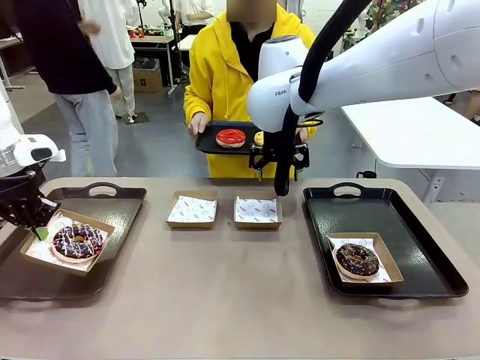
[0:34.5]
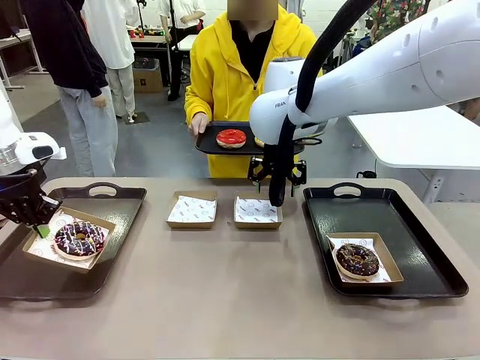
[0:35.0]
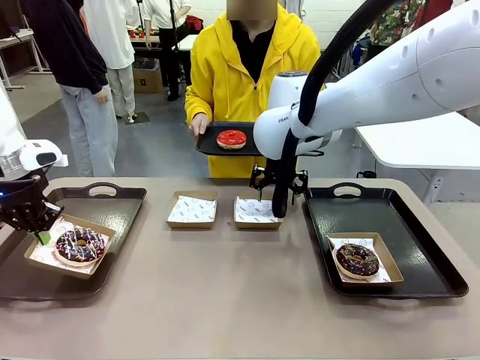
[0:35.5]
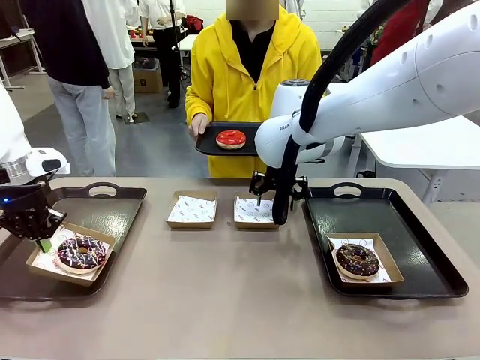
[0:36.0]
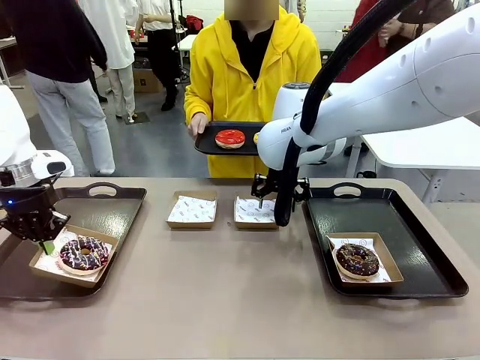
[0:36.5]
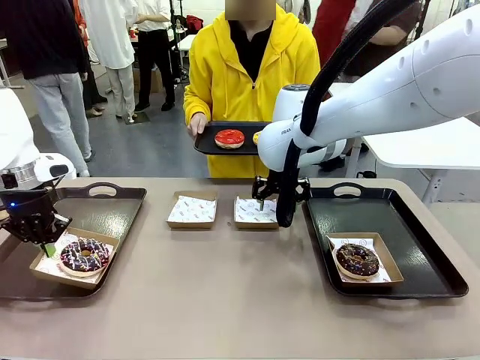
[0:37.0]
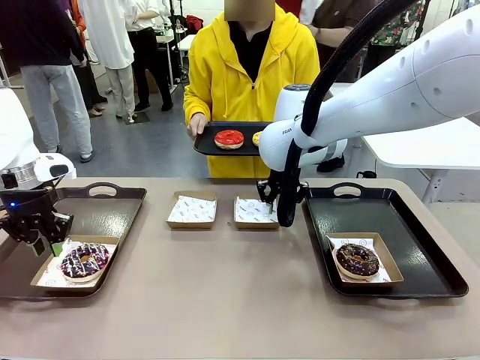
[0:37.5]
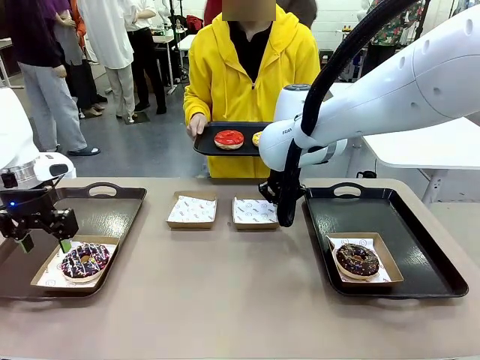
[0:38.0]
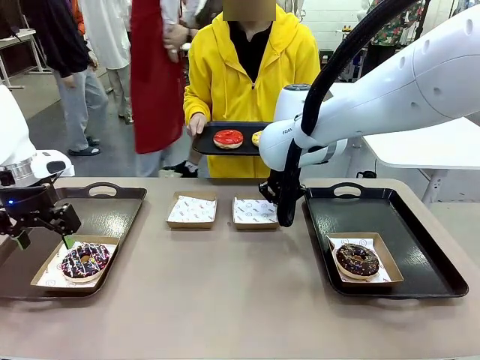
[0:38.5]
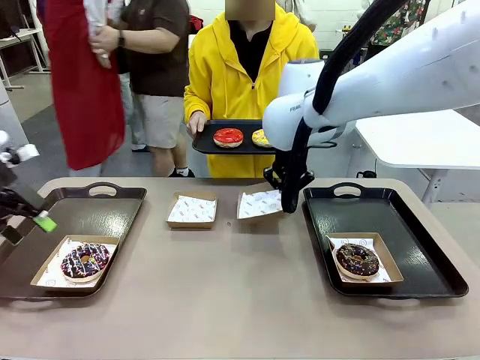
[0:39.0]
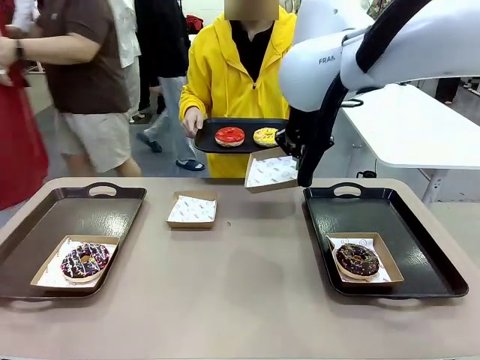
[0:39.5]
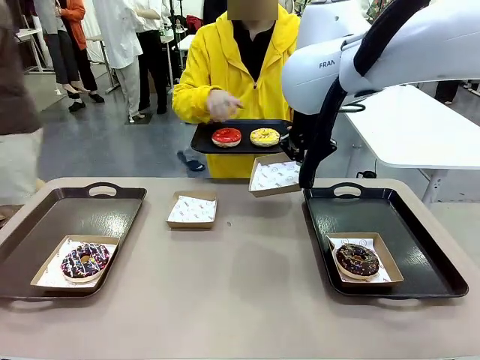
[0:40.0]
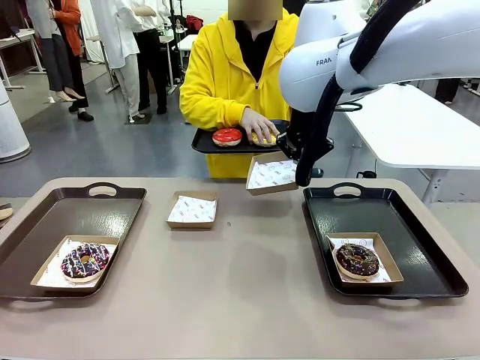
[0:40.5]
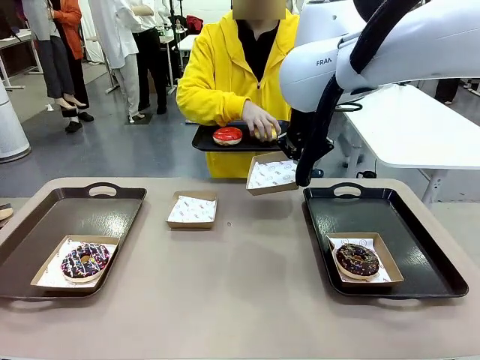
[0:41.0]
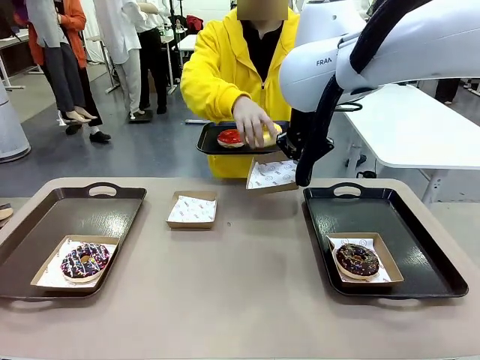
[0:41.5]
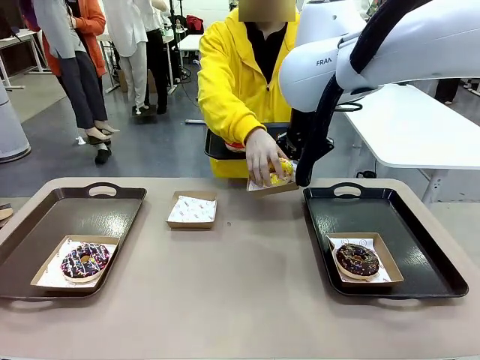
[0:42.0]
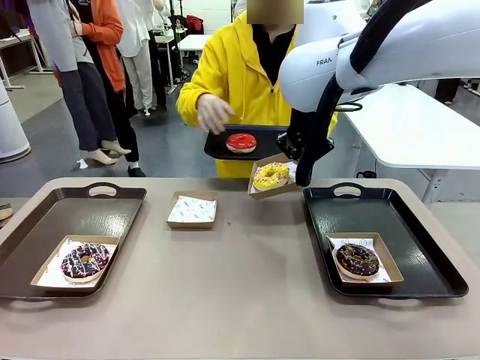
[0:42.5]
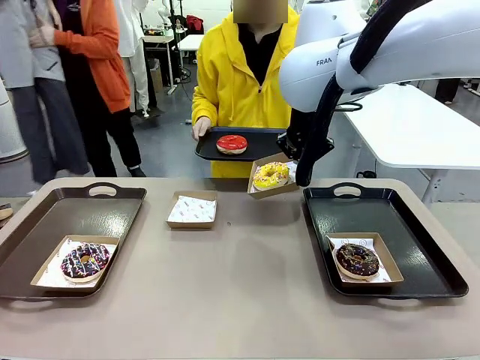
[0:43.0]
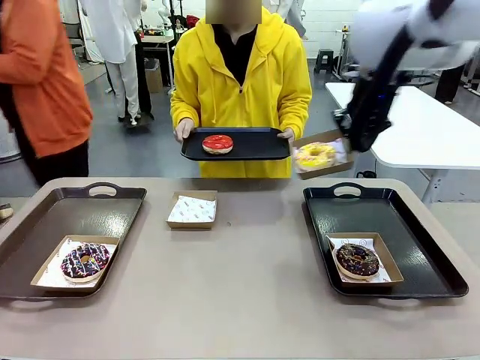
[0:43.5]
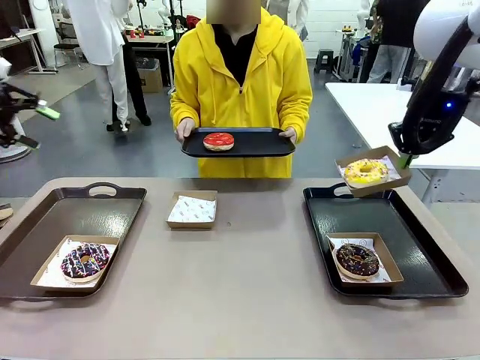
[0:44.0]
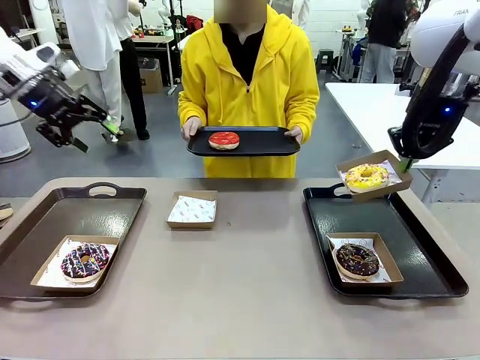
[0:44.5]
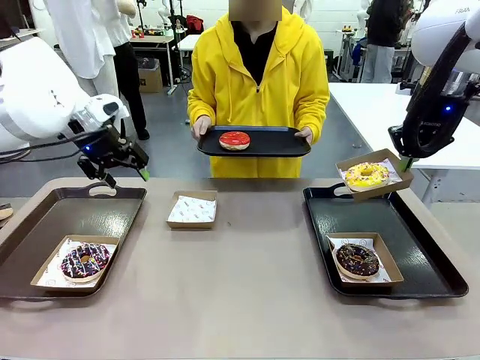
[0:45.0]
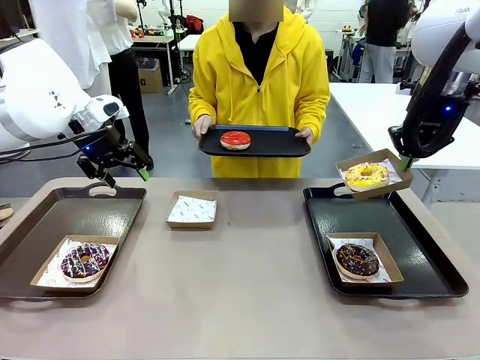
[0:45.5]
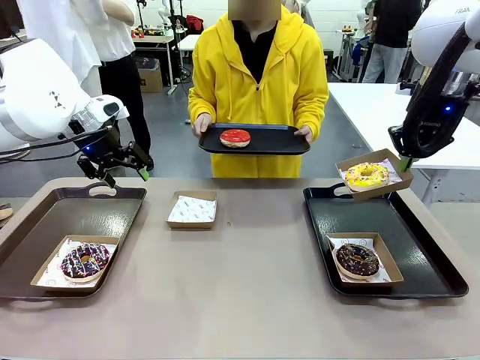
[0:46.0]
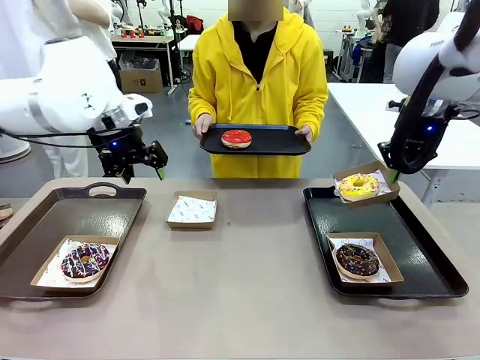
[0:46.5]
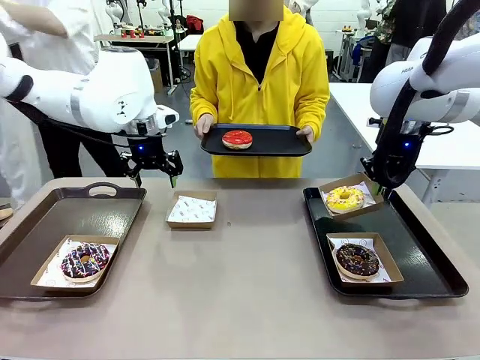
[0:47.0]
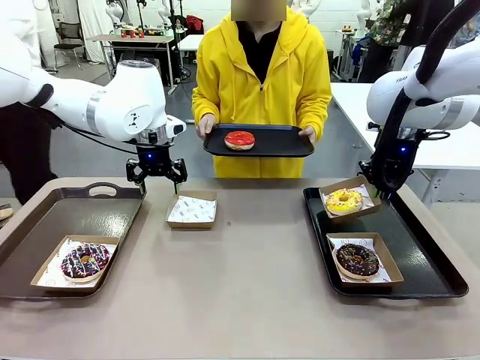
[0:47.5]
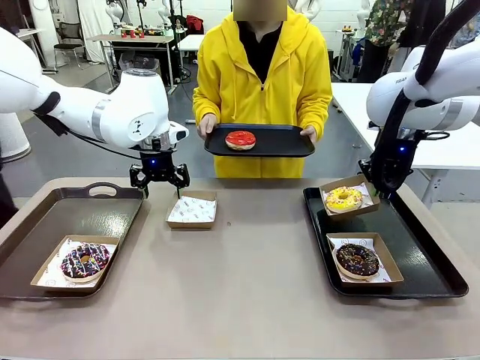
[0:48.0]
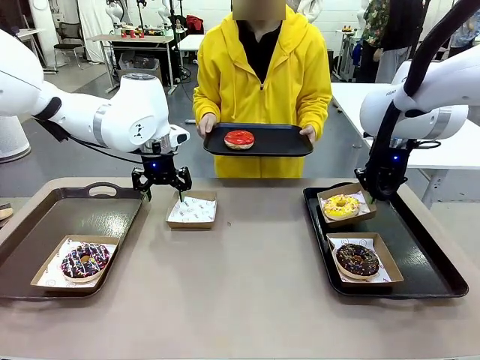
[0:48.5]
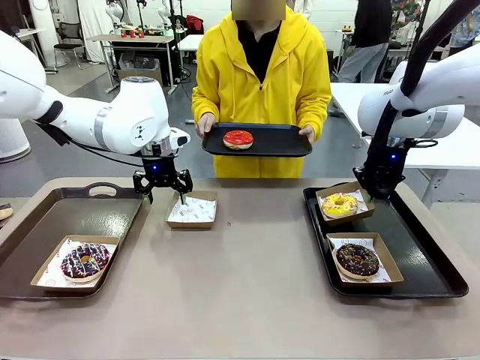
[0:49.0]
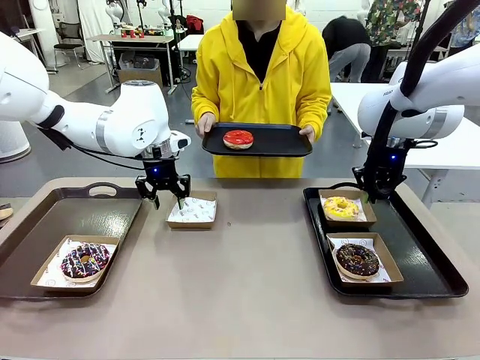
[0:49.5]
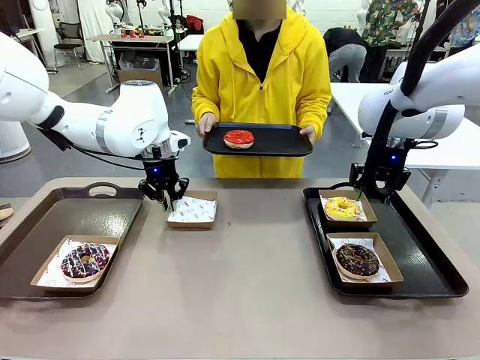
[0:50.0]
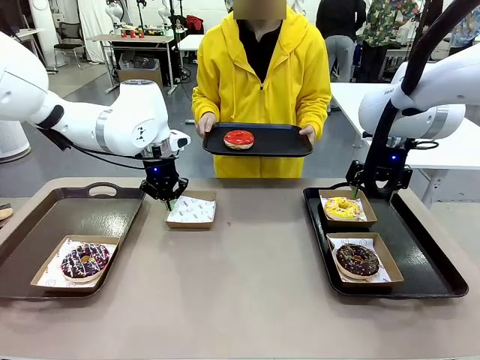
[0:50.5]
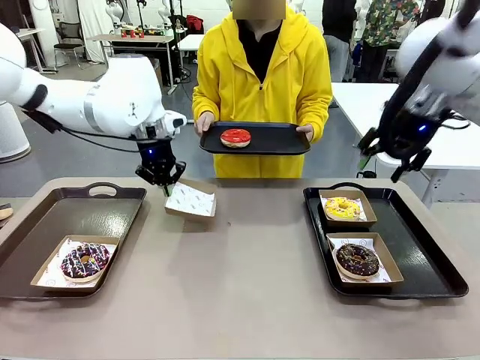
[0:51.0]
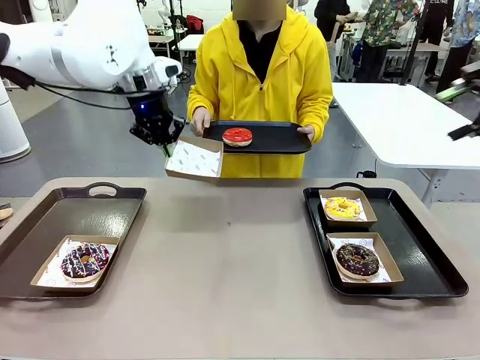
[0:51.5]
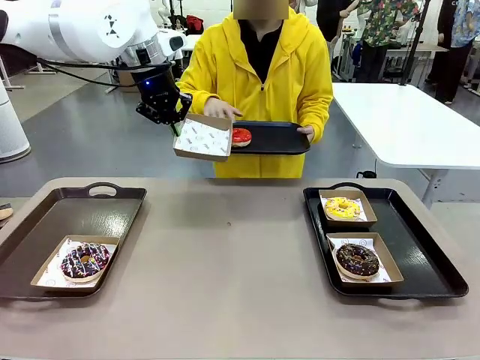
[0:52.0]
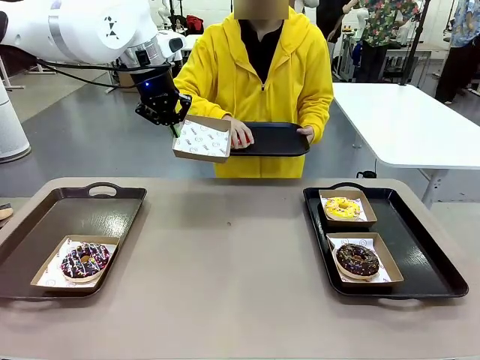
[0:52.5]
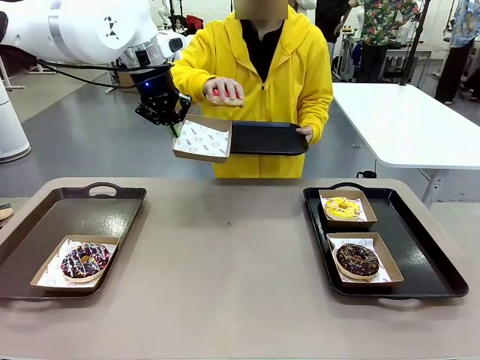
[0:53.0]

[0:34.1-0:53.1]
Task: Individually package the donuts and arrange them on the tray.
Robot: Place the picked Paper togo box on the Handle tray while simultaneously picking up another Paper togo box from the table with the other hand.

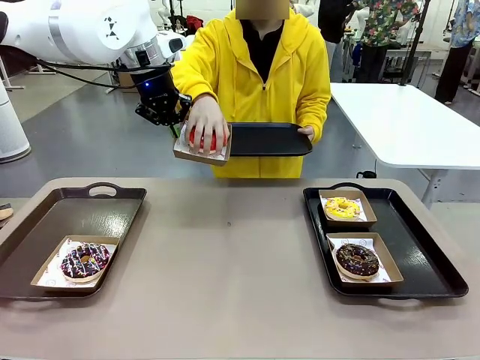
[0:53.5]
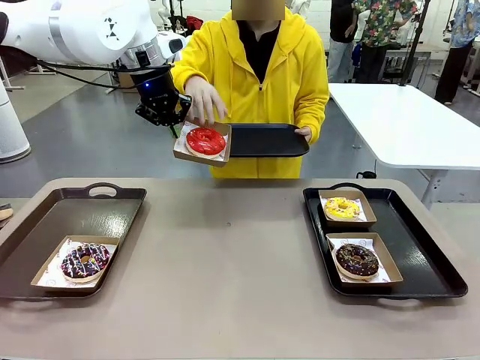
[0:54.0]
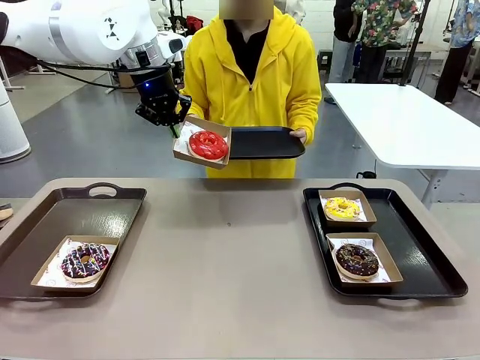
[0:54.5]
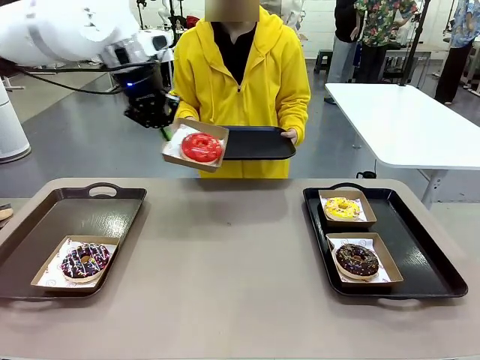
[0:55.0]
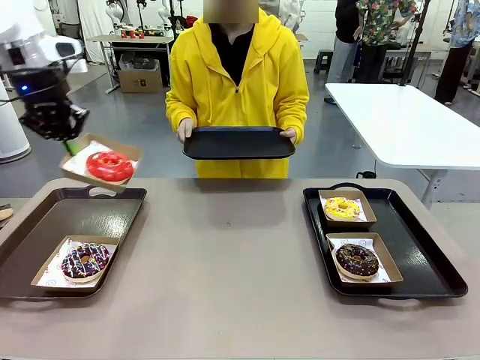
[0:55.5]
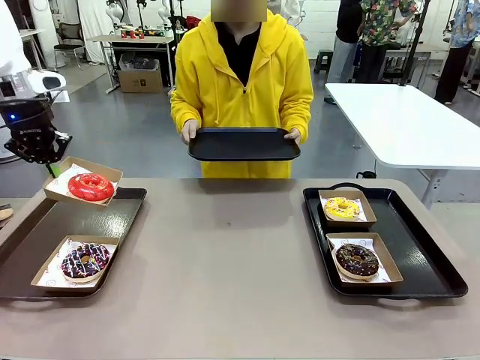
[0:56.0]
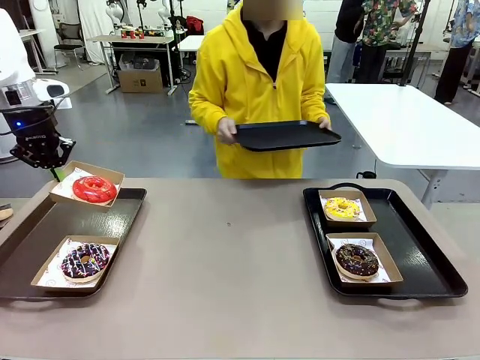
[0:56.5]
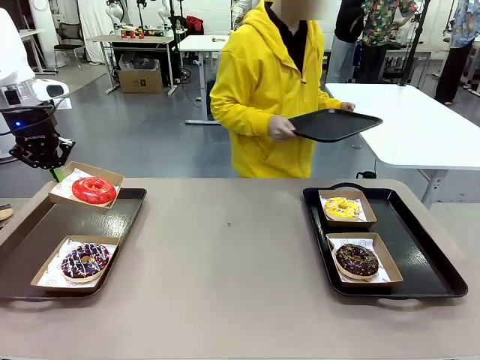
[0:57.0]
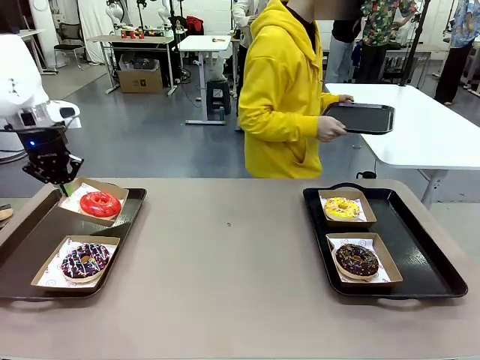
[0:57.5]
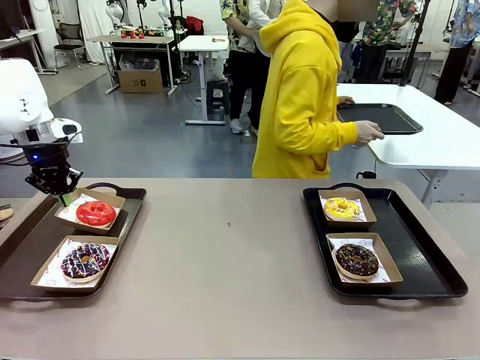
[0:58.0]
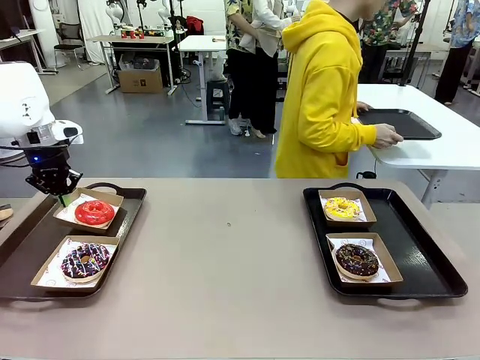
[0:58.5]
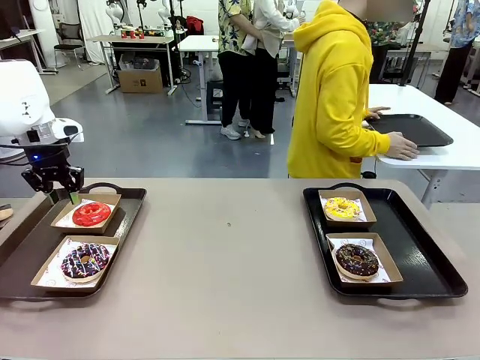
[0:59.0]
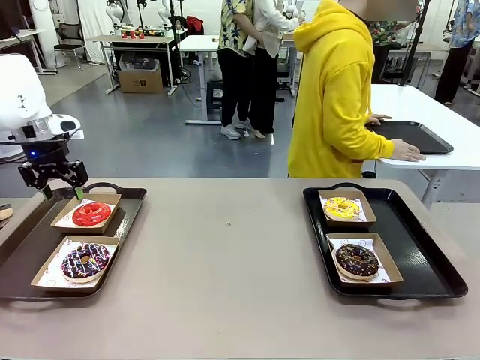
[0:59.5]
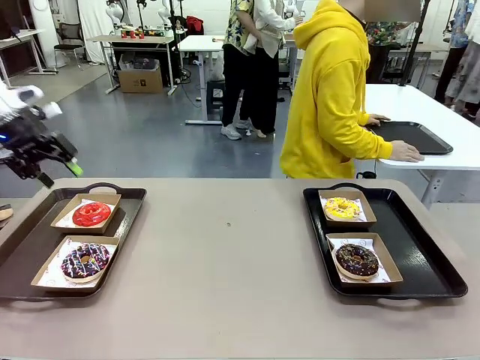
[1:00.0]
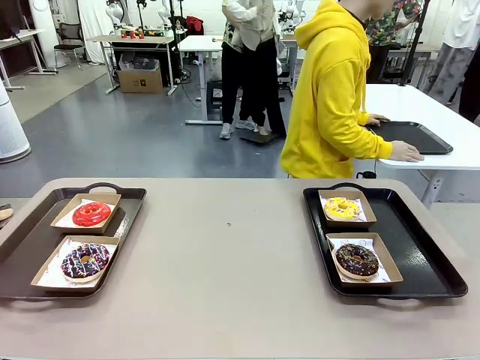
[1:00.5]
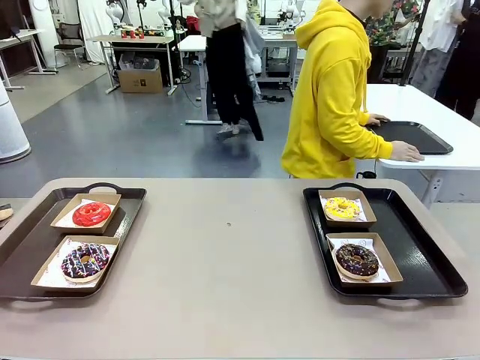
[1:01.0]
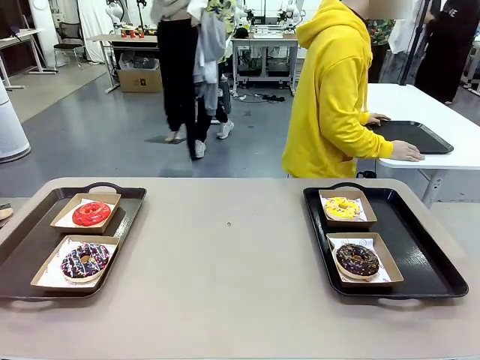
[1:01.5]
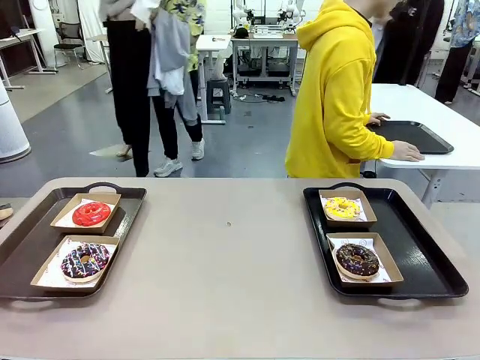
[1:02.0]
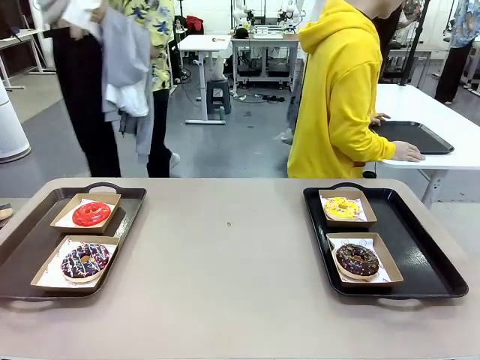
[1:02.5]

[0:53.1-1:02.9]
Robot: Place the picked Paper togo box on the Handle tray.
Person: Place the tray down in the middle of the human table.
